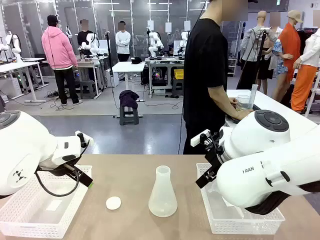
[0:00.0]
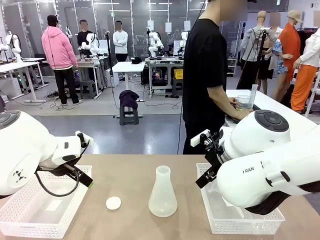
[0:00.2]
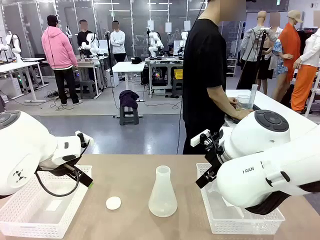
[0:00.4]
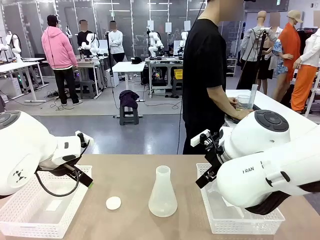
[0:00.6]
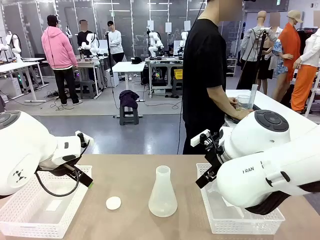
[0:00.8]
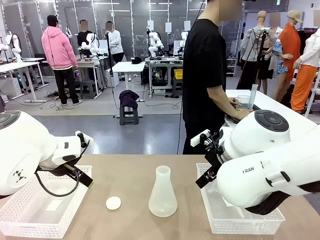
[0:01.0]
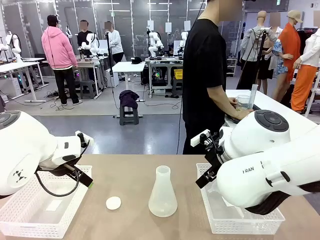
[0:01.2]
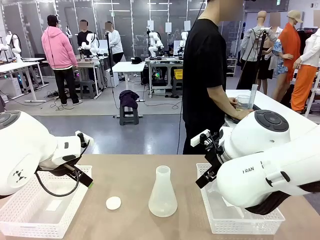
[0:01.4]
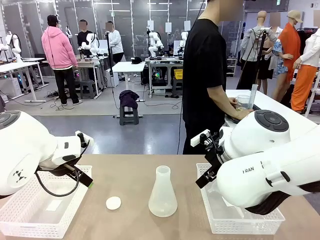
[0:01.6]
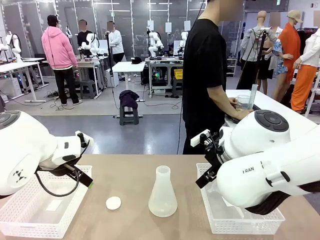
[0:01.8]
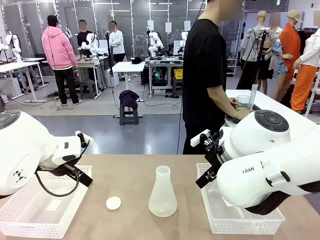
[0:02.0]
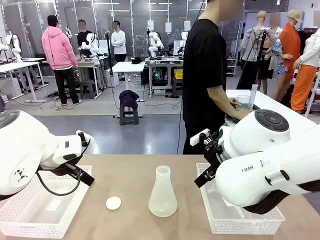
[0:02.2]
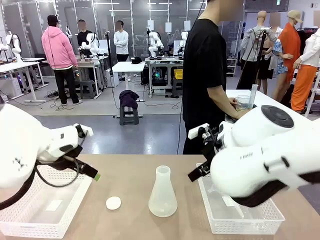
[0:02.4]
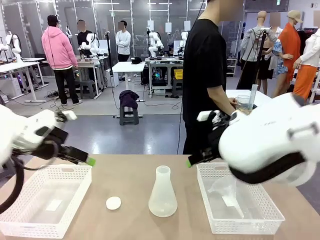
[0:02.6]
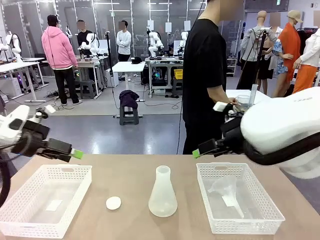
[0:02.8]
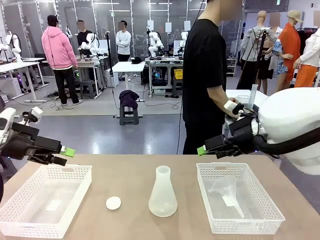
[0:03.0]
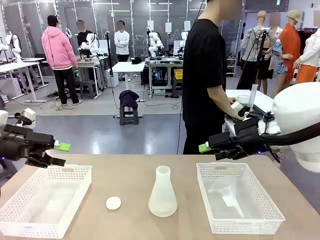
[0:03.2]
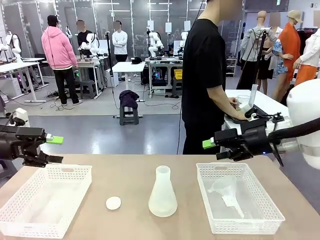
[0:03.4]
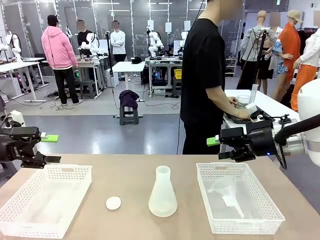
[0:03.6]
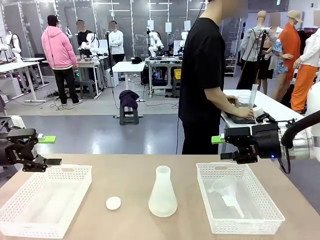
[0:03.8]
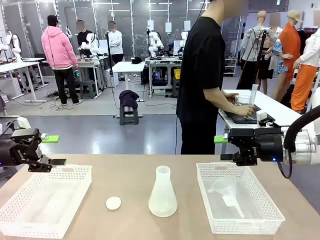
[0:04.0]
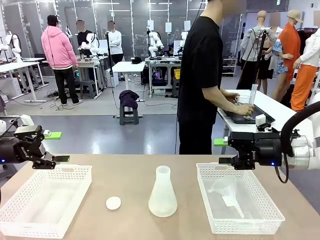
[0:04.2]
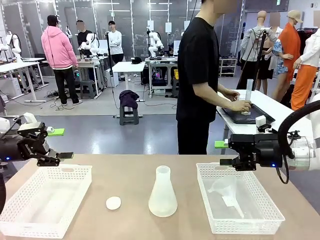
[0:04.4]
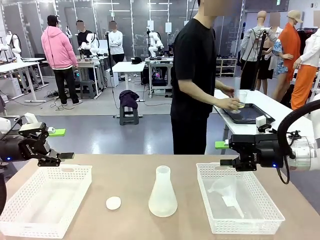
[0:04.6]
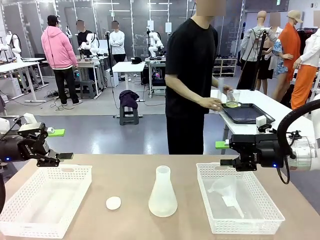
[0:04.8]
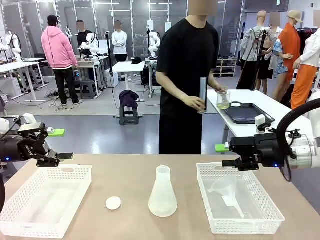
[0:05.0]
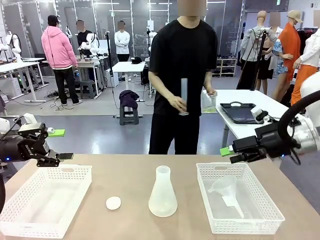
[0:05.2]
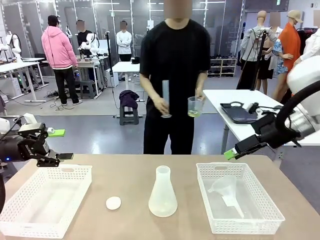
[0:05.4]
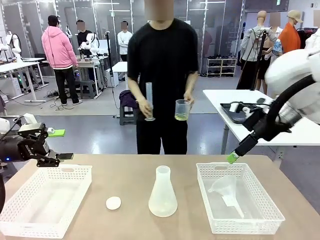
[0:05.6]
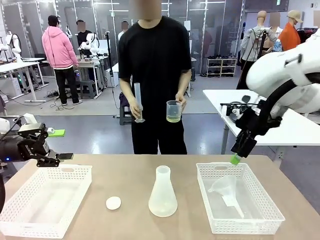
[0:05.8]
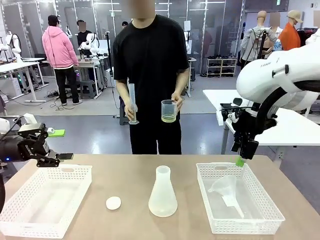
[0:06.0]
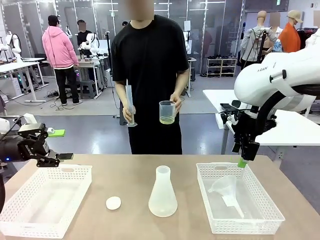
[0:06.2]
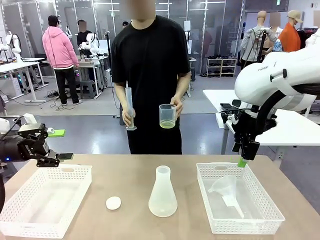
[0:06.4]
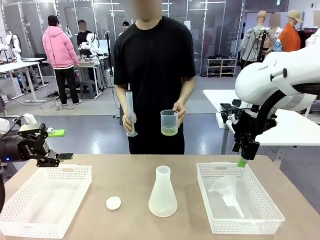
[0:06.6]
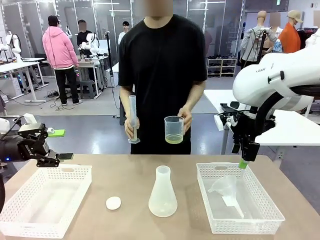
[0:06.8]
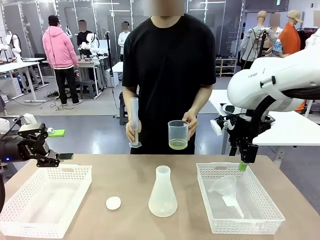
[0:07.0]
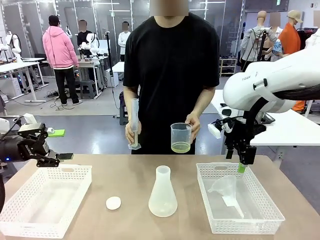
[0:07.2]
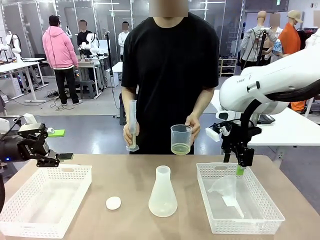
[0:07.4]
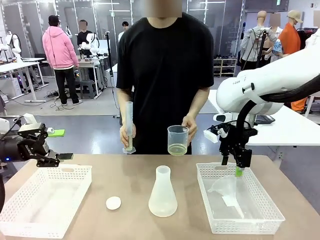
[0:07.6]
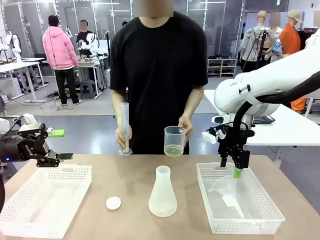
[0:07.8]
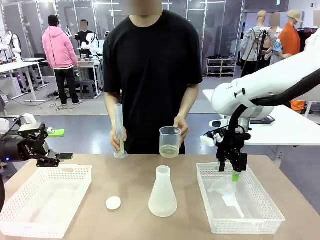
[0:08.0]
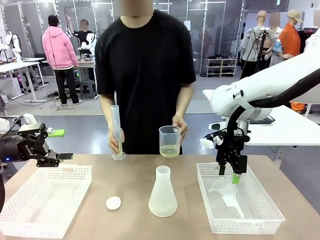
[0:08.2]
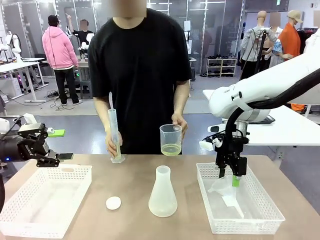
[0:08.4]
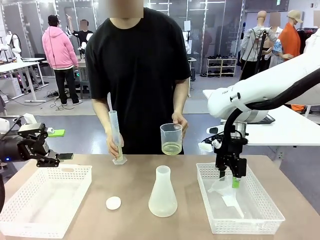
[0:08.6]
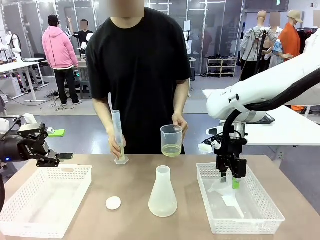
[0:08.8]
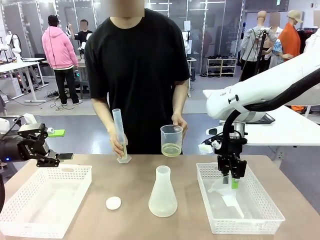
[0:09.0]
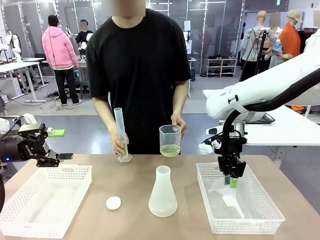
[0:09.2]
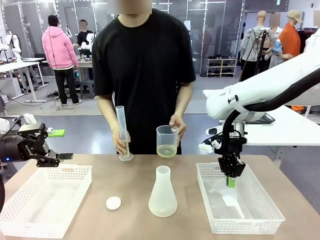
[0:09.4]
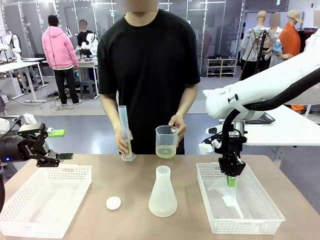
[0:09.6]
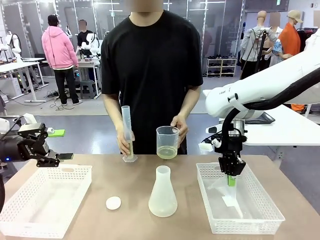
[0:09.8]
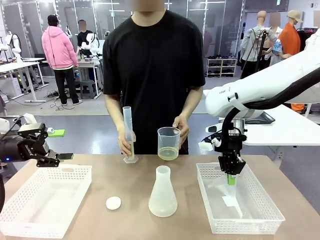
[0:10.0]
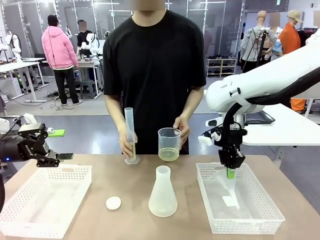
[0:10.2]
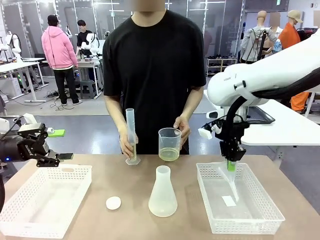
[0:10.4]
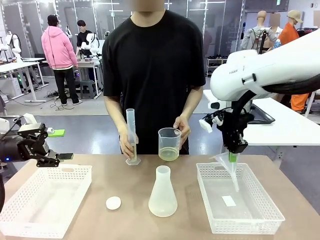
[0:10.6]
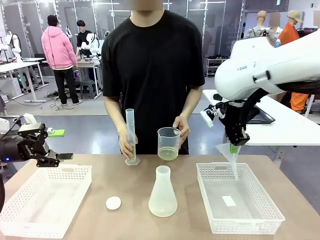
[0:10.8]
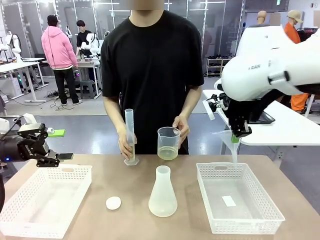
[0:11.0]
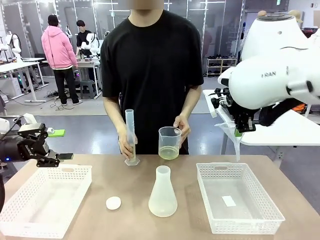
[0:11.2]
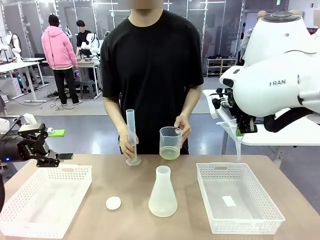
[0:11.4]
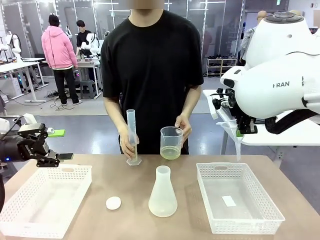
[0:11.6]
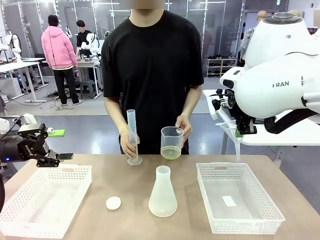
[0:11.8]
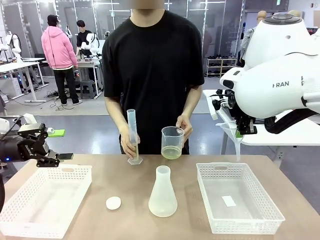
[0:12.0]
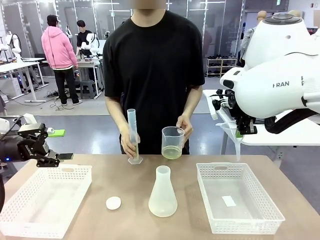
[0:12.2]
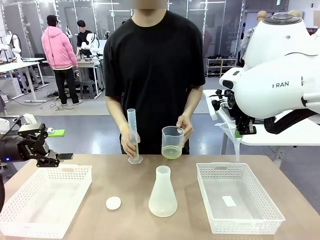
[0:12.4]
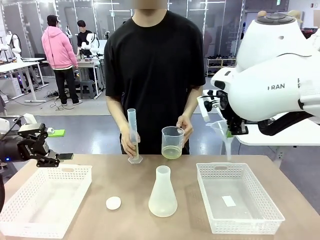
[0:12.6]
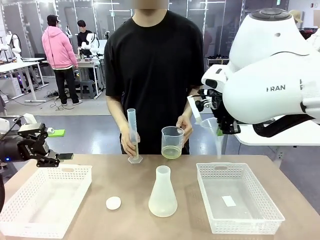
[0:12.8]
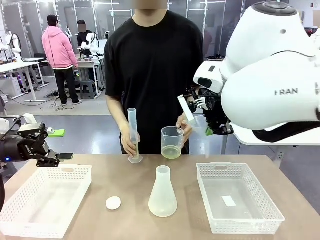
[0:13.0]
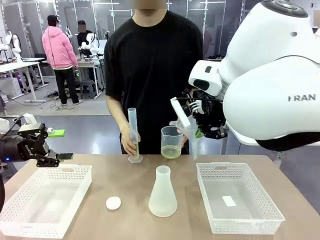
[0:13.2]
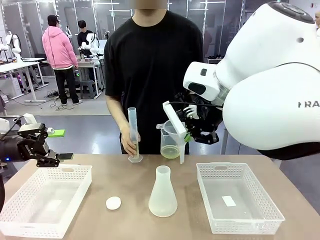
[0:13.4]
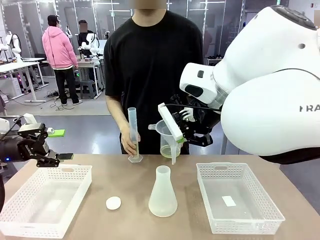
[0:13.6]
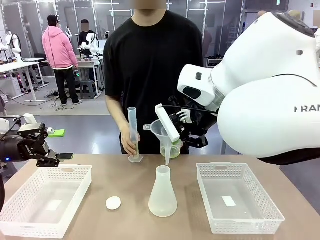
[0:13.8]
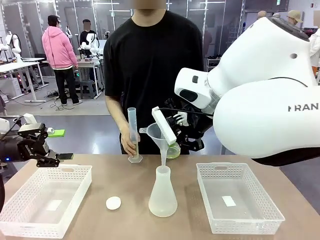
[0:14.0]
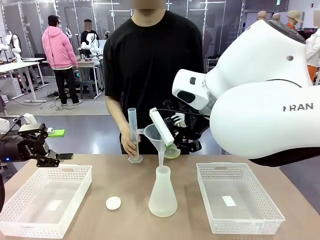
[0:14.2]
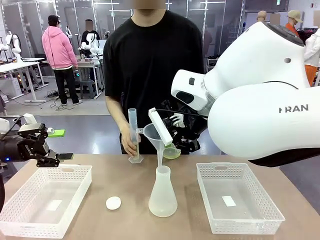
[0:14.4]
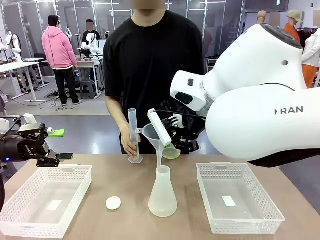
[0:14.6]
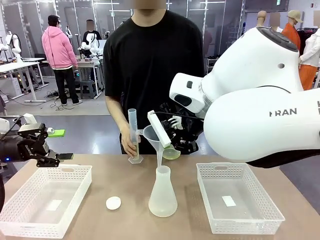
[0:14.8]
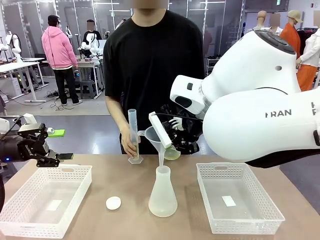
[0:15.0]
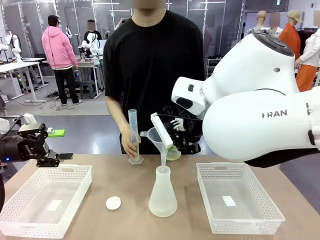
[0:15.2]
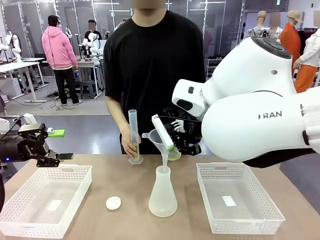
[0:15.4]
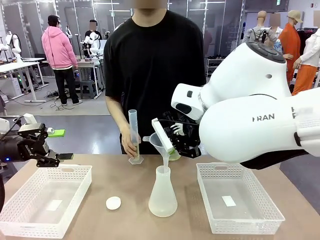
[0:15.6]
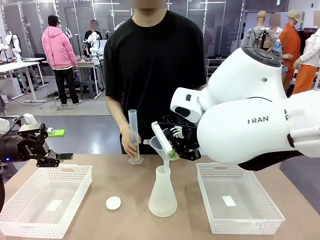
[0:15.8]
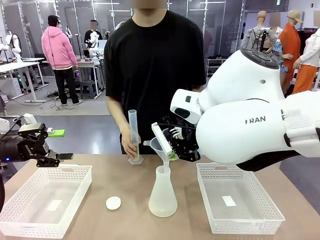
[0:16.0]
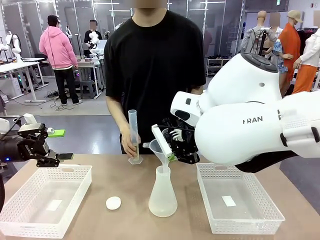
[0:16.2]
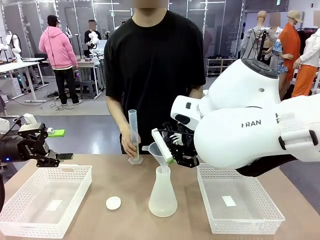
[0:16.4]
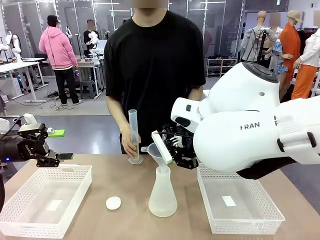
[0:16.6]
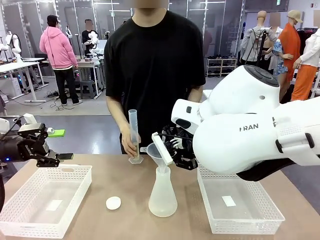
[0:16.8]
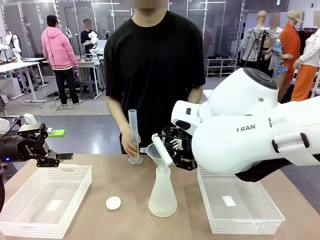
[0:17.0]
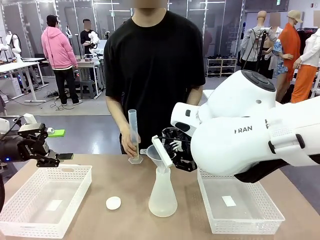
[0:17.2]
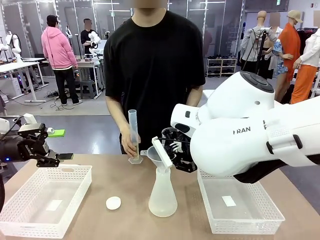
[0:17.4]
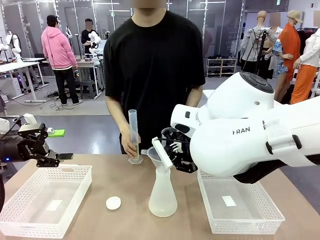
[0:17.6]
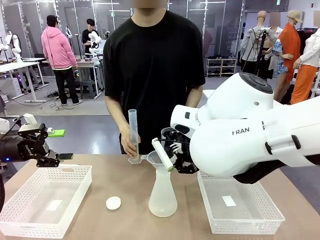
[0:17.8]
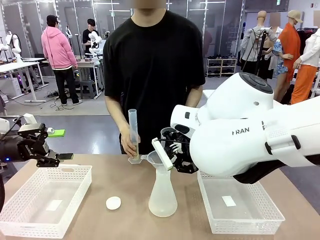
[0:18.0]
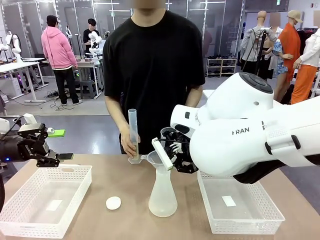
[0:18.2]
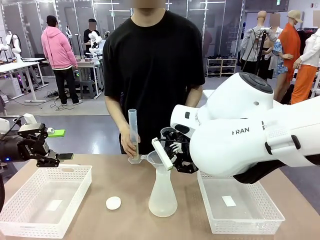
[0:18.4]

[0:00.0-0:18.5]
Task: Prepare the solutions needed for the experiment.
Robot: Pick up the Plastic Funnel and insert it into the Big flask.
Person: Pick up the beaker and the cylinder and move to the middle of the robot table. Pour the solution from the beaker and the cylinder into the flask.
